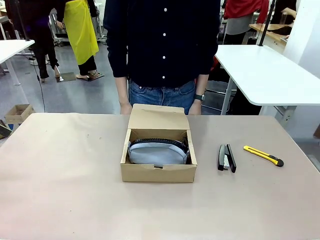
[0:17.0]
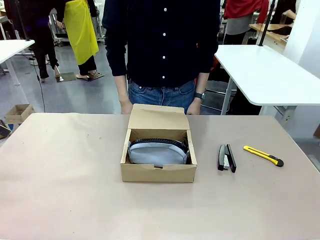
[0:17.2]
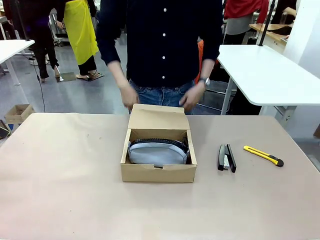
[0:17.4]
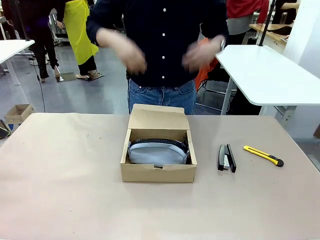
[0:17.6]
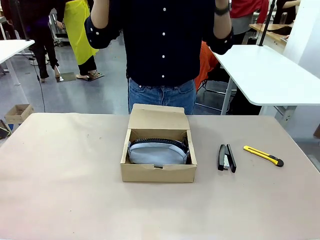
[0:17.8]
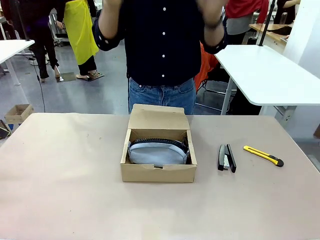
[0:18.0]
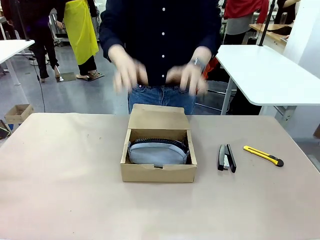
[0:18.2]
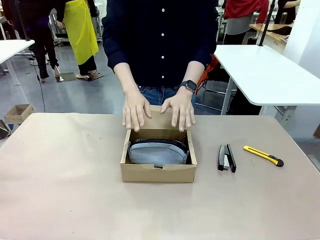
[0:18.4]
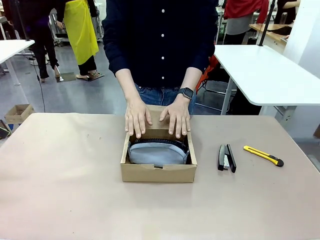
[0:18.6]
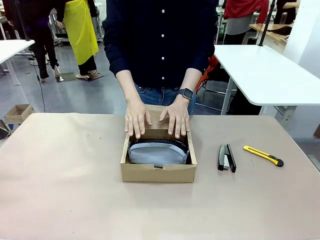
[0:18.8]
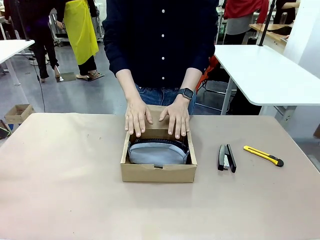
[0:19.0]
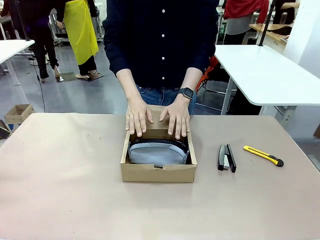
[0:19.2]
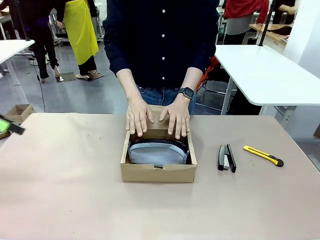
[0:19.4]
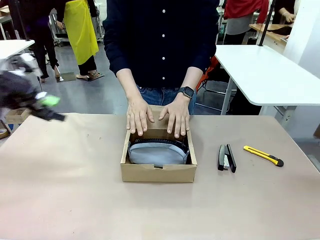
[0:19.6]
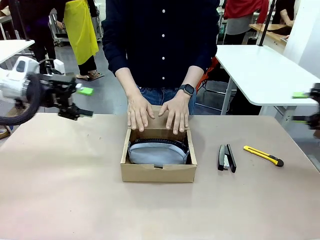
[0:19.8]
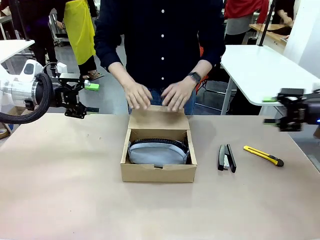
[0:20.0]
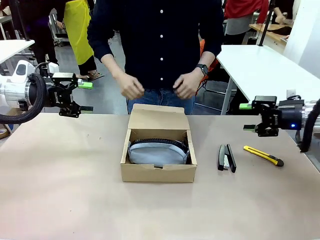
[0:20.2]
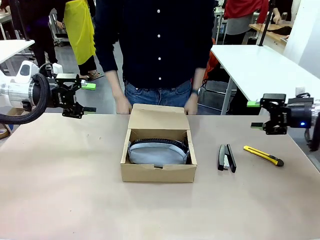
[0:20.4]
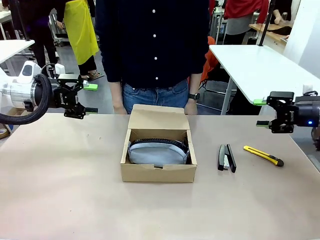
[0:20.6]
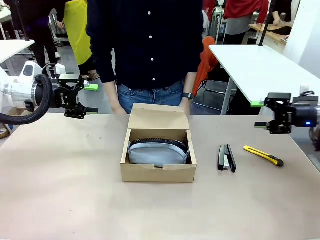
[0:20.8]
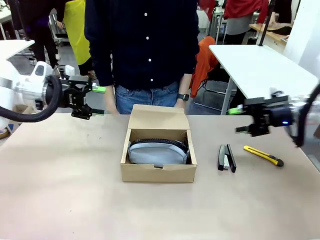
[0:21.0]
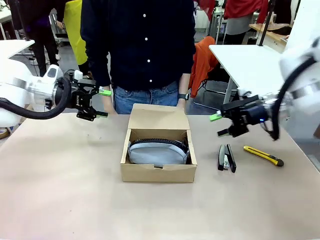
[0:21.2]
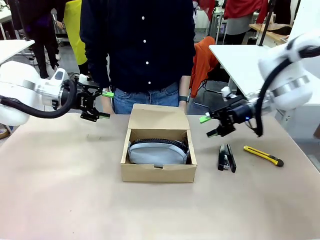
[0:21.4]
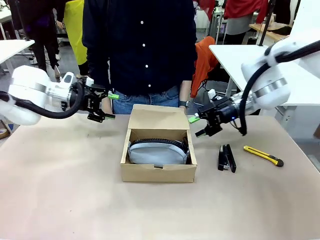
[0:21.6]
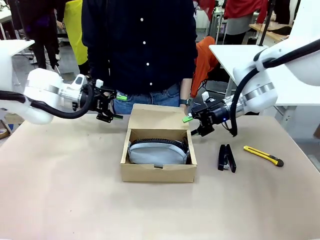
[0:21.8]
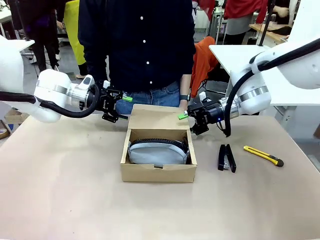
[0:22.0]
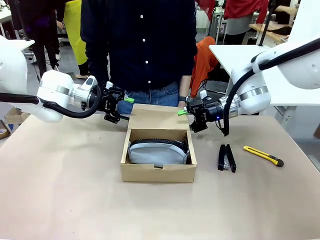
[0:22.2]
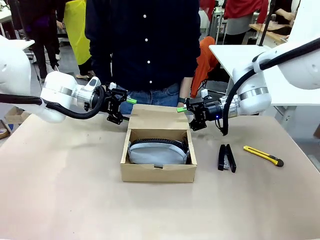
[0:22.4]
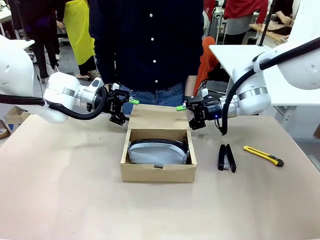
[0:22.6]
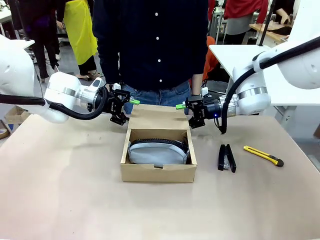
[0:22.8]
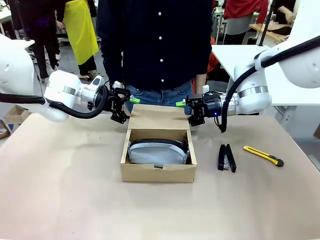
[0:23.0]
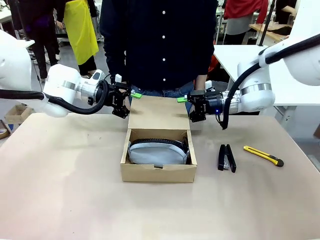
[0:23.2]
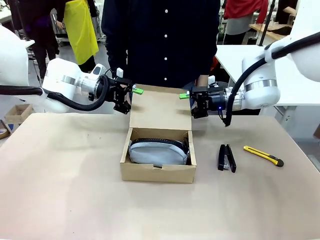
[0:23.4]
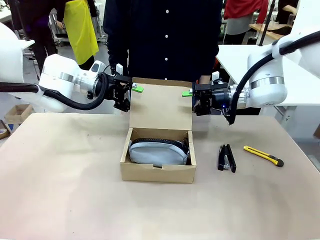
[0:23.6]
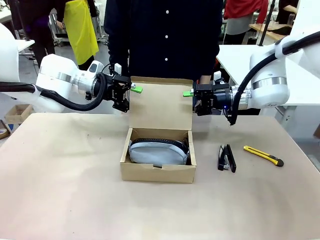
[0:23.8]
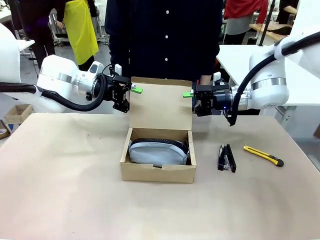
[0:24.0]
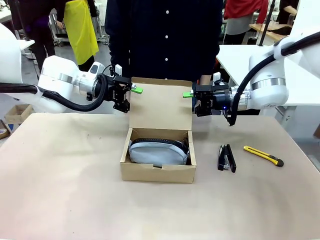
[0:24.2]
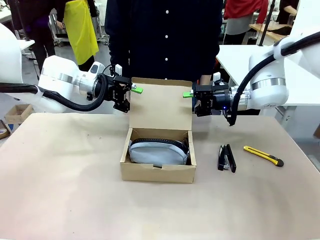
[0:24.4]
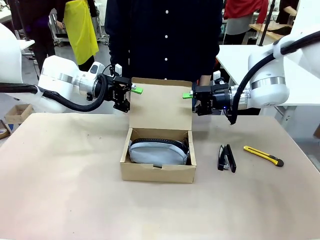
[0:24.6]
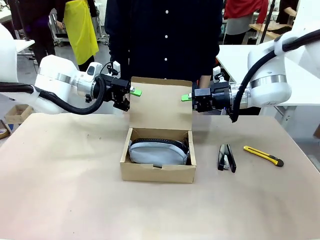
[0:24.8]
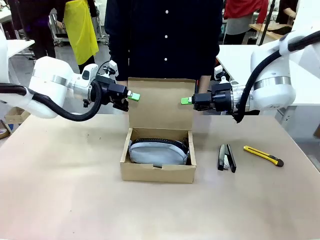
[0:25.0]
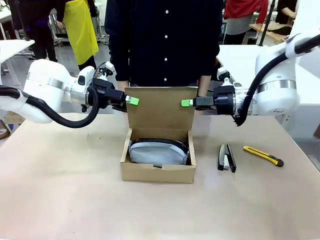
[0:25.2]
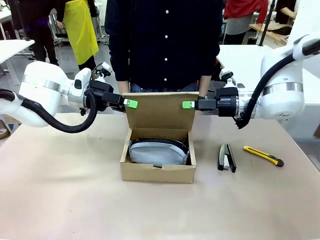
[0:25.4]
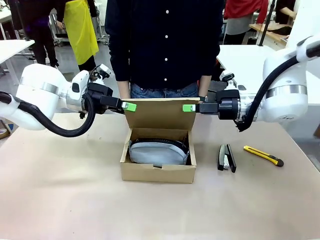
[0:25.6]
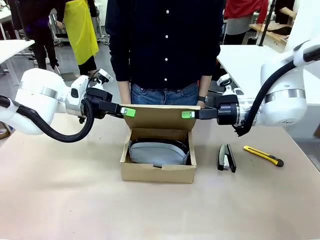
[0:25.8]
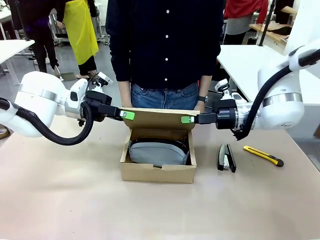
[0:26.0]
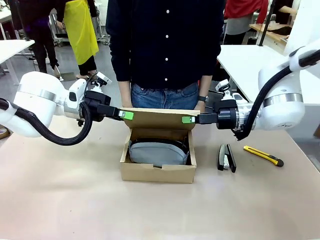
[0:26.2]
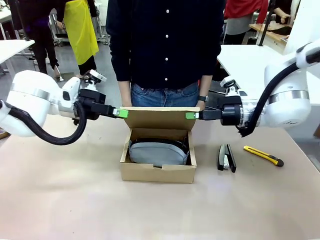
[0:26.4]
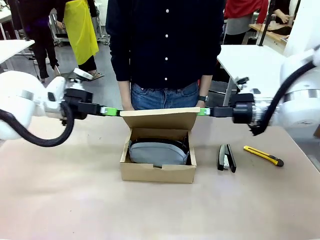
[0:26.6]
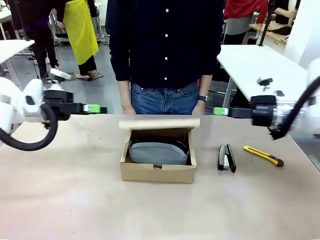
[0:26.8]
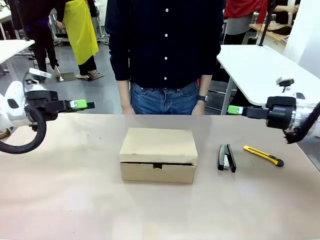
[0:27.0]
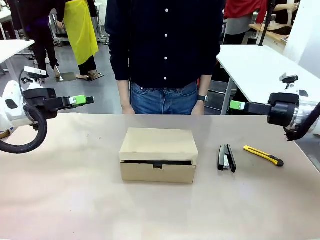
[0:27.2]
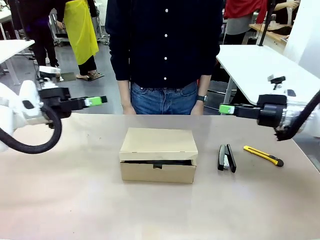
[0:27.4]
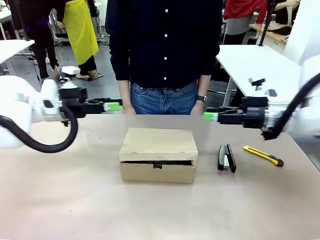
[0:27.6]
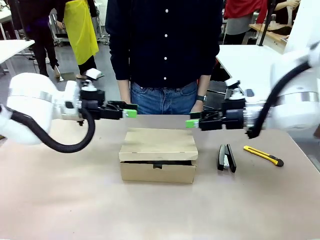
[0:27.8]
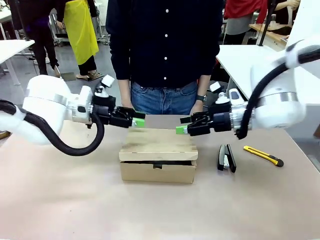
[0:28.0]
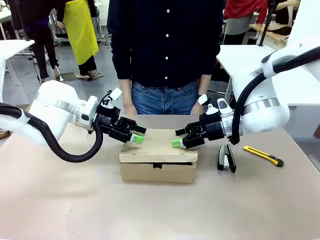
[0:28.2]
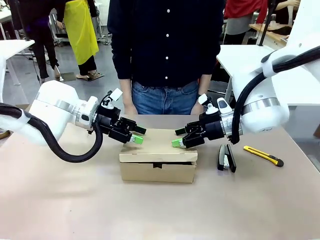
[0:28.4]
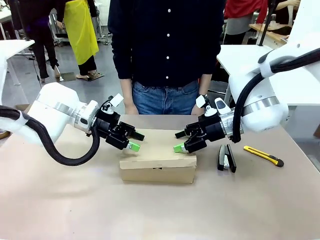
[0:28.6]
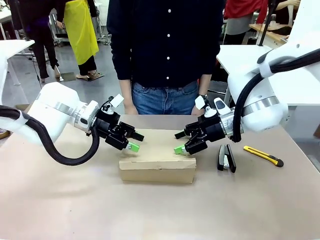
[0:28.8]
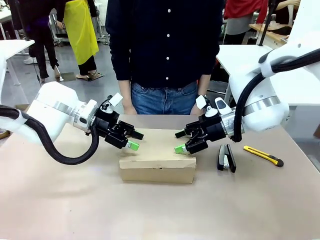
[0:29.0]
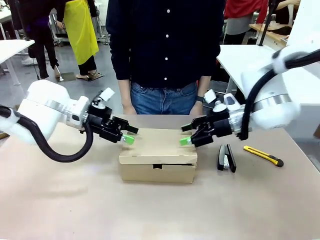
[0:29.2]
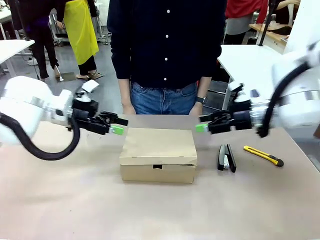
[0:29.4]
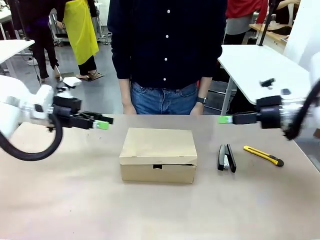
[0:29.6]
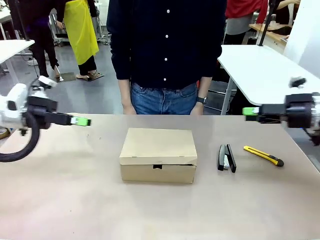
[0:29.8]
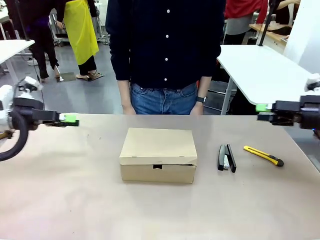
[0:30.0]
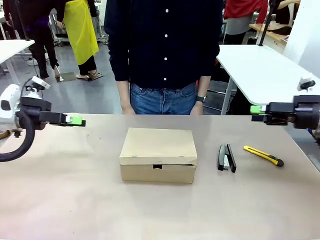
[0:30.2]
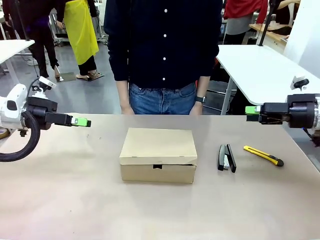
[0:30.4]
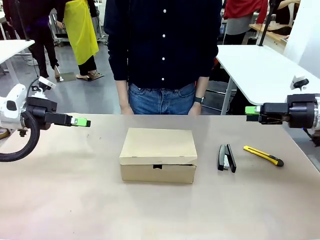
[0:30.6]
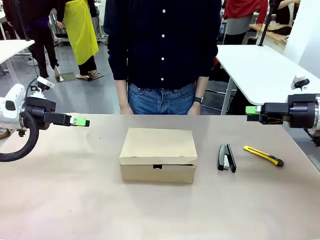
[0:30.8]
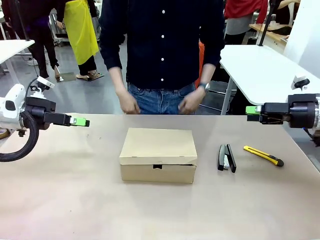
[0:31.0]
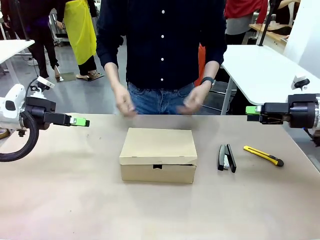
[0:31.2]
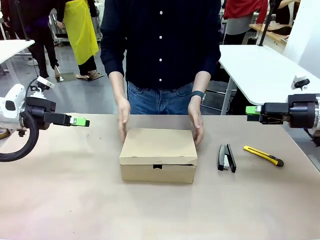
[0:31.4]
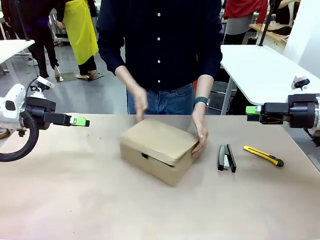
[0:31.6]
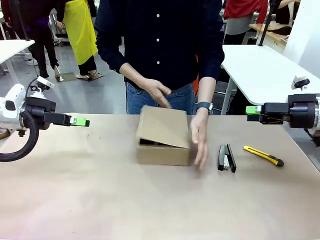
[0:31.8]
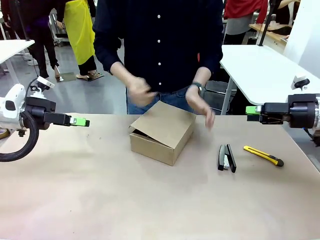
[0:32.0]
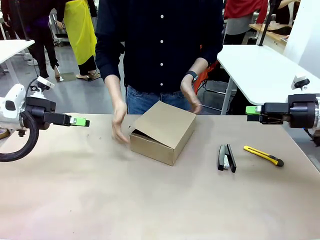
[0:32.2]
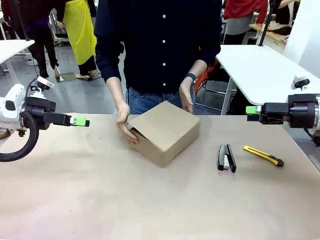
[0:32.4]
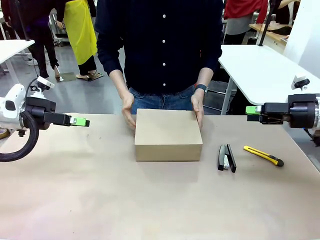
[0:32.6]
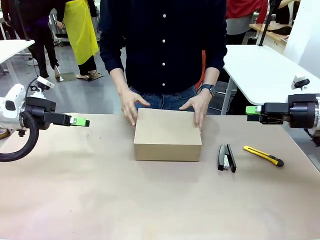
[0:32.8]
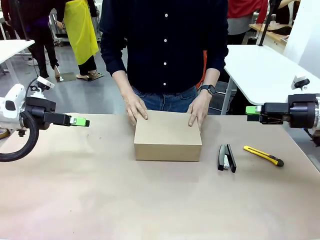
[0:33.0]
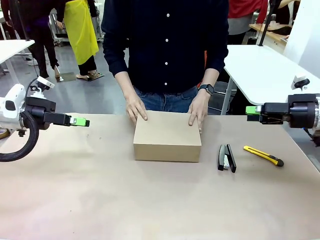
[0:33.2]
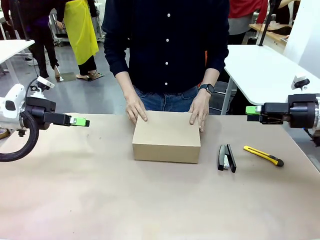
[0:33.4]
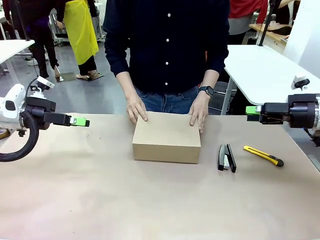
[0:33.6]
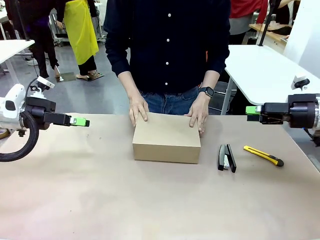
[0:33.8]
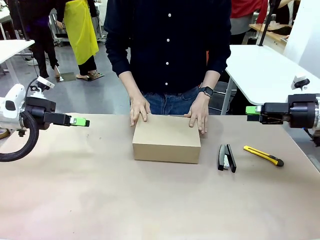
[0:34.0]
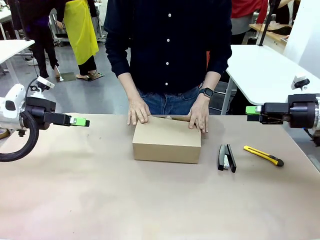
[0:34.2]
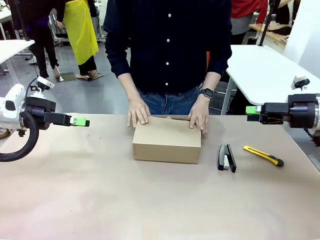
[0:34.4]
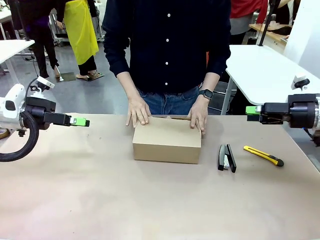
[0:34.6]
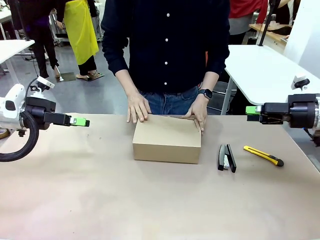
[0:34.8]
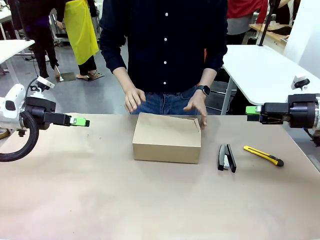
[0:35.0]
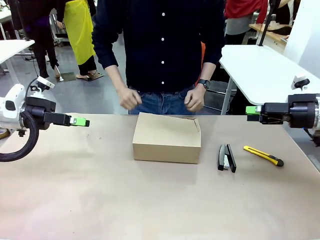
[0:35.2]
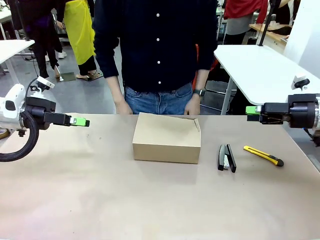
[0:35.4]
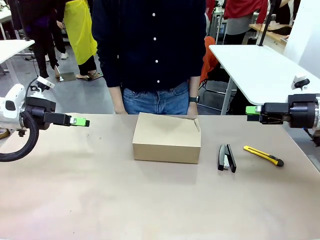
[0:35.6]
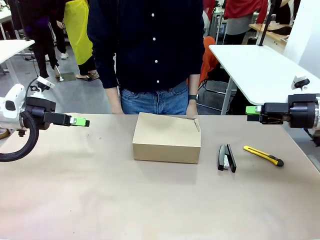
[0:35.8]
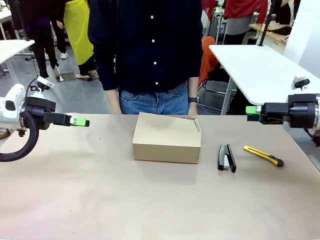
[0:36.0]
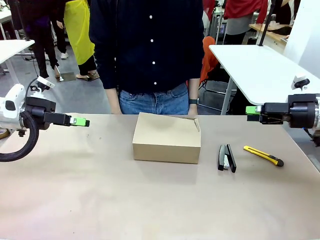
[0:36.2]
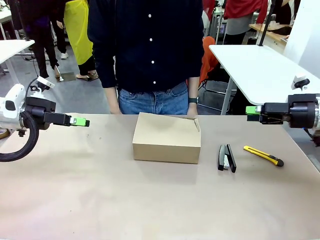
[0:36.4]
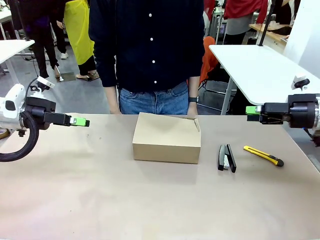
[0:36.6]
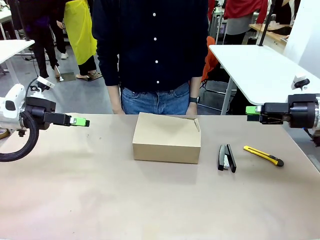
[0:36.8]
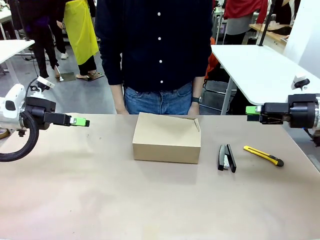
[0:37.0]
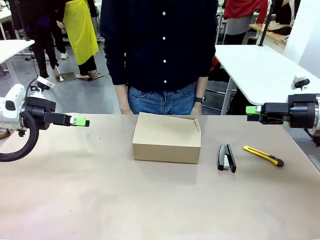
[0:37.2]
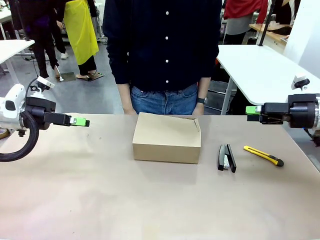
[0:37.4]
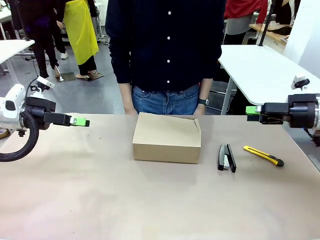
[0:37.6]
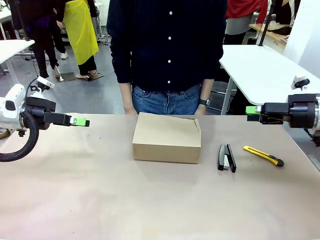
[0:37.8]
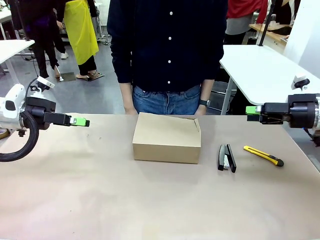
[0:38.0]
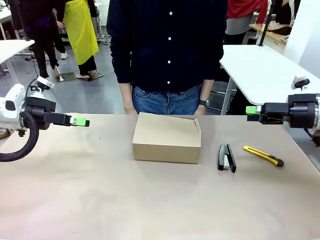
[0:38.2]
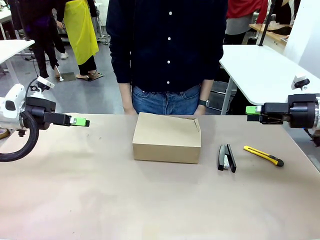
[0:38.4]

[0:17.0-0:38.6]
Task: Pack the item into the box.
Robot: Close the Mailer Box.
Person: Turn the box and lock it.
